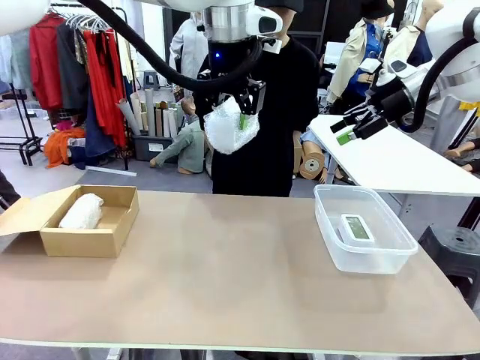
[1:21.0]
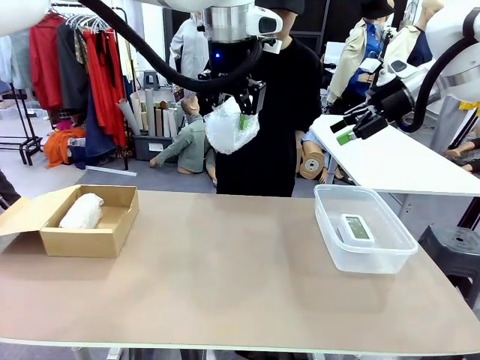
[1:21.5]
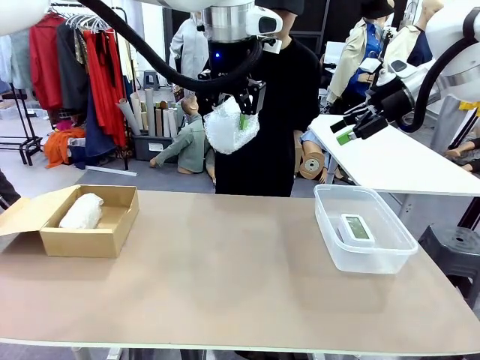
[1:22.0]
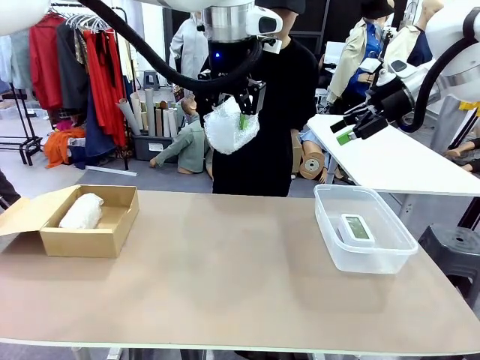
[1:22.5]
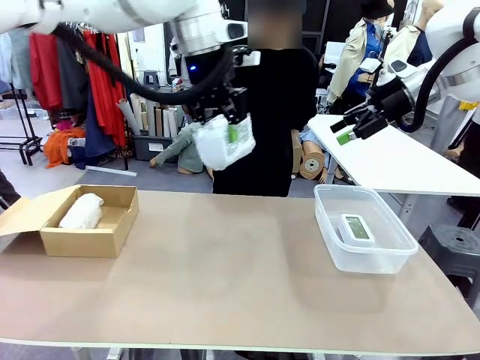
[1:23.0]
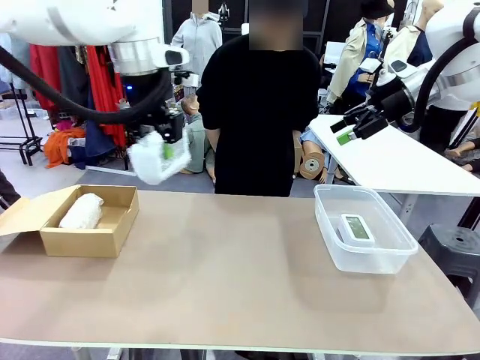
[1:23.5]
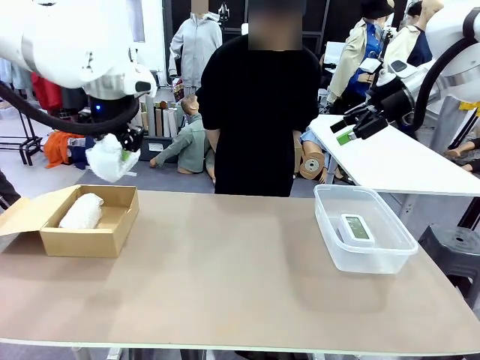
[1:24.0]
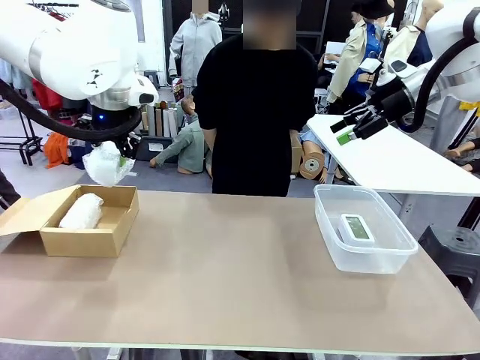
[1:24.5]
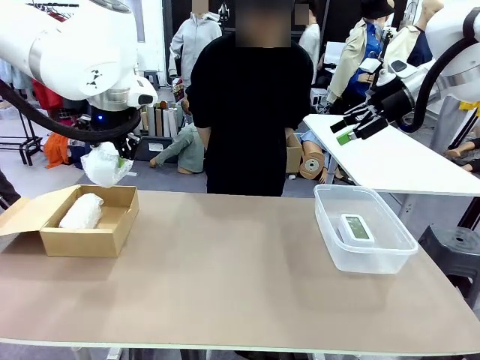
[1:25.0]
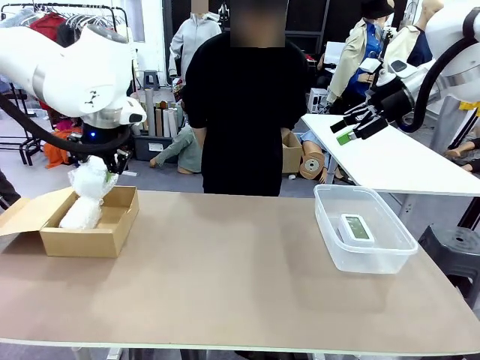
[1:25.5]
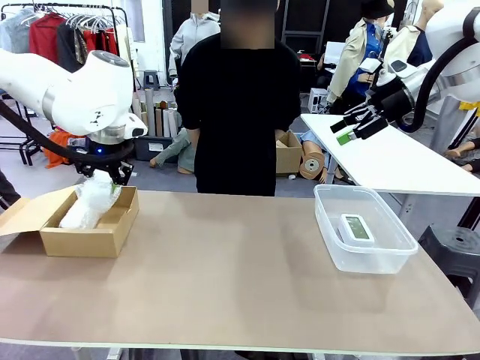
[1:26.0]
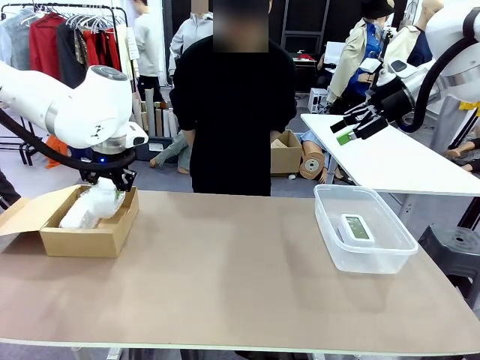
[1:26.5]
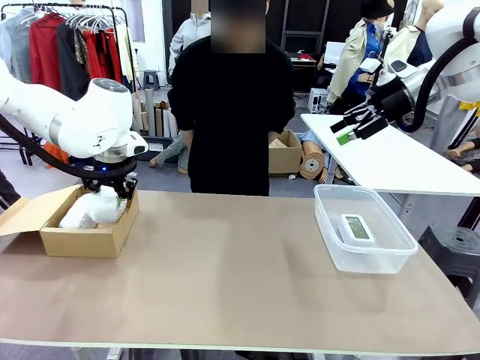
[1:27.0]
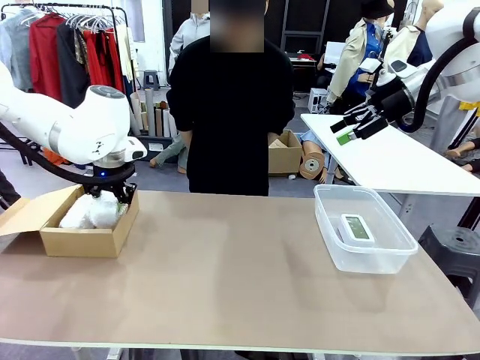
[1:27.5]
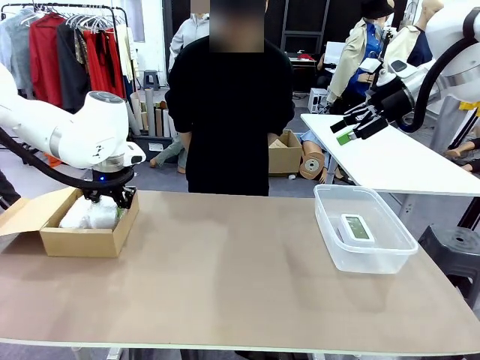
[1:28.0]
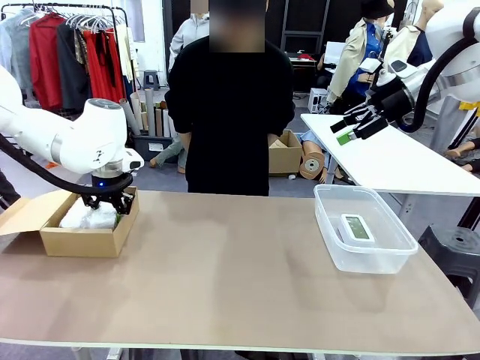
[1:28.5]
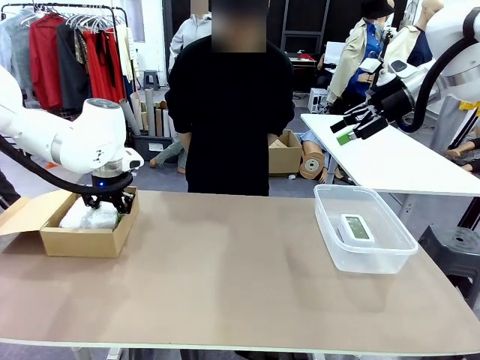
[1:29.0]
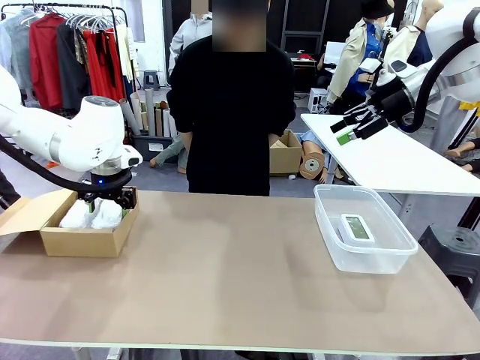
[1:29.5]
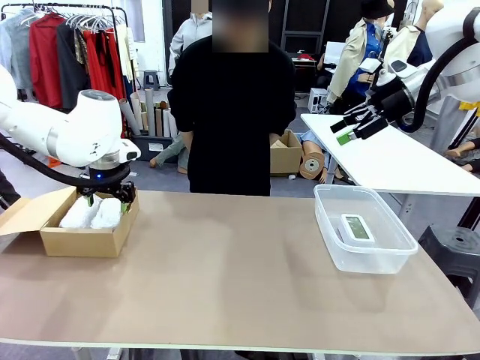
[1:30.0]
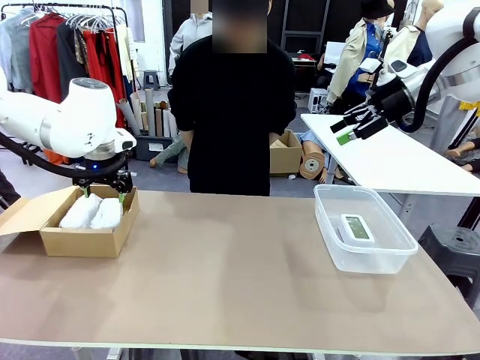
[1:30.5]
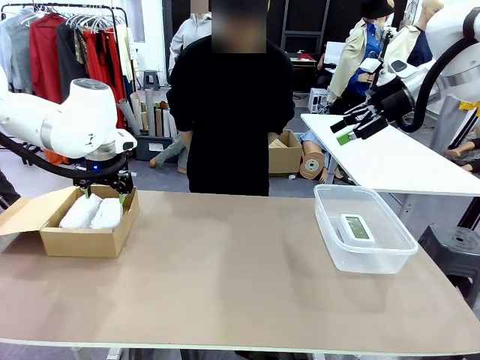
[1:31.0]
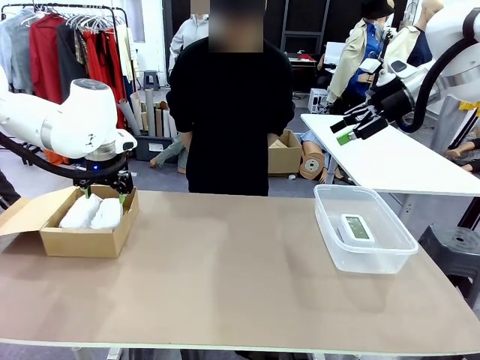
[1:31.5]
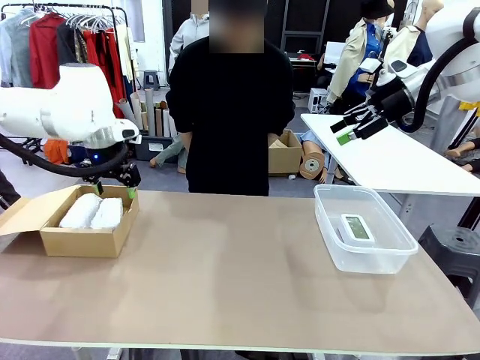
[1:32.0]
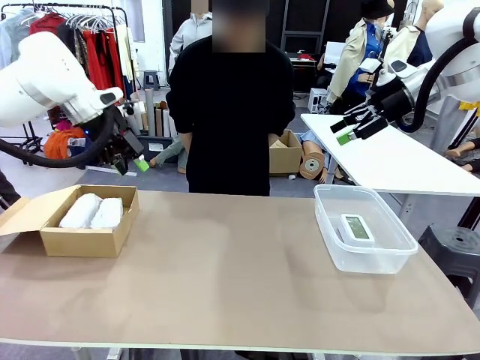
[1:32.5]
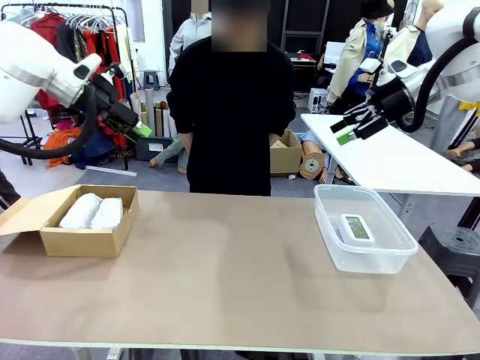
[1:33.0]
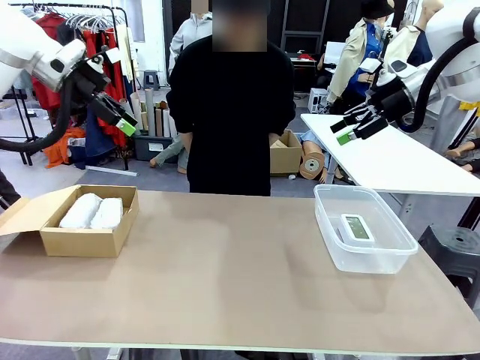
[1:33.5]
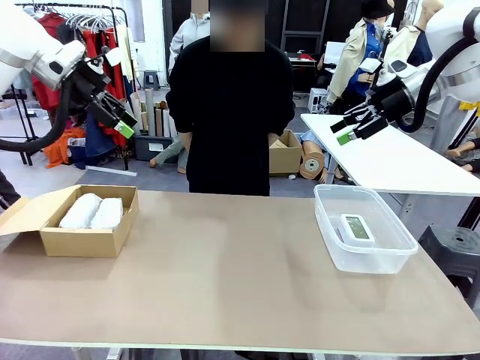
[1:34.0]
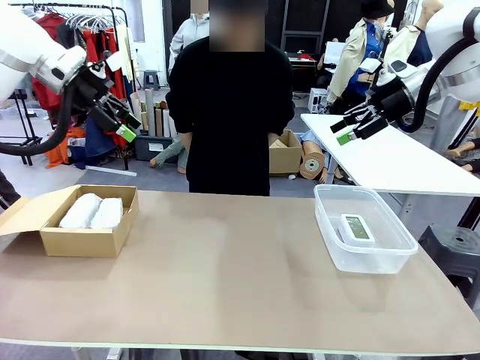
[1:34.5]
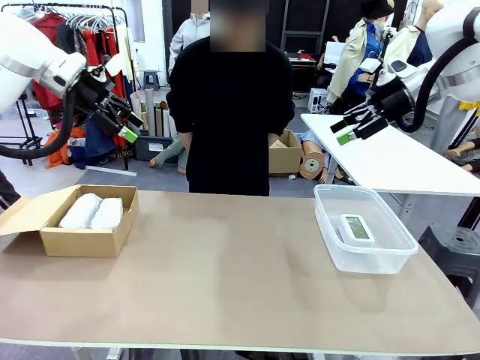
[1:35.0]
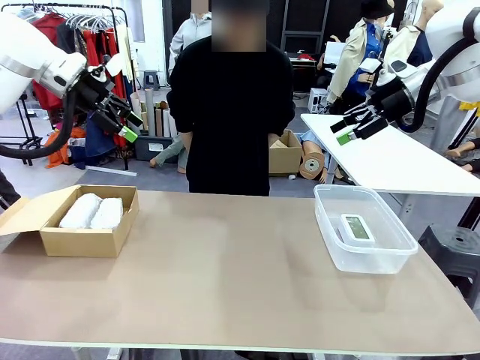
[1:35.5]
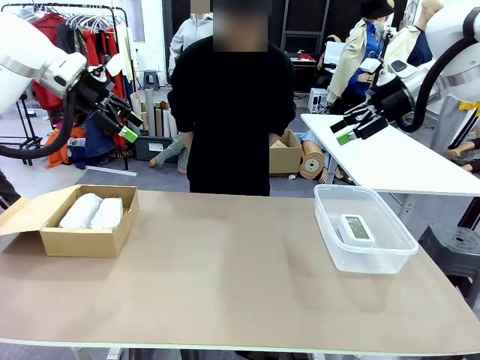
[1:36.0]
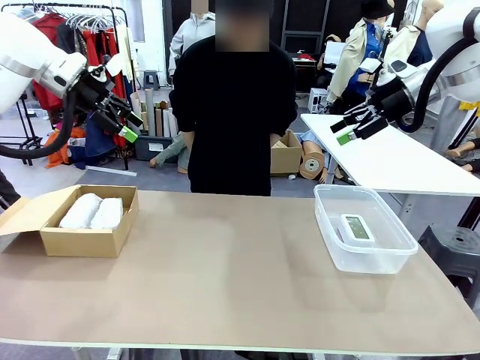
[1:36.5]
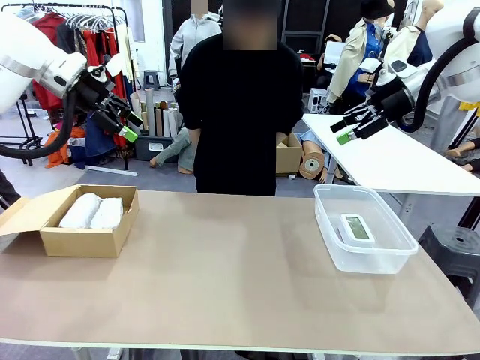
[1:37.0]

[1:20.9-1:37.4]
Task: Separate and place wrapped and unwrapped clocks.
Robot: If the picked Digital clock is wrapped, place it in the Package Box ; if not, place it in the Organizing box.

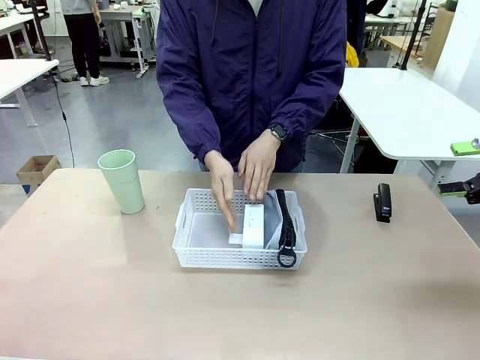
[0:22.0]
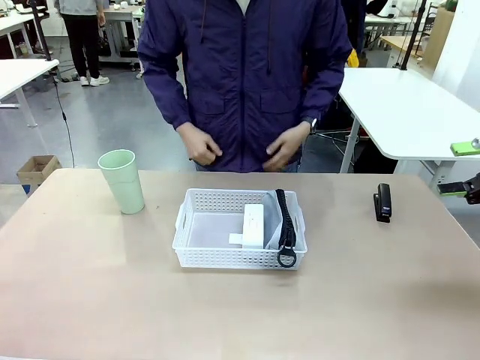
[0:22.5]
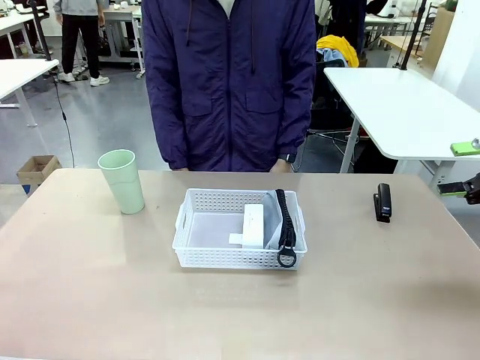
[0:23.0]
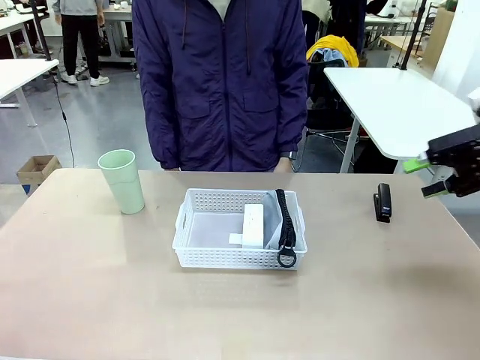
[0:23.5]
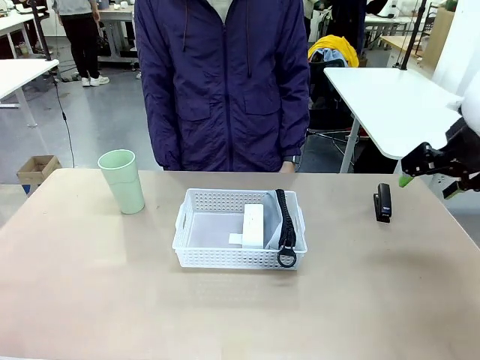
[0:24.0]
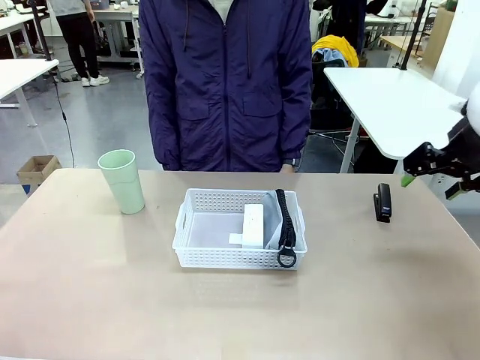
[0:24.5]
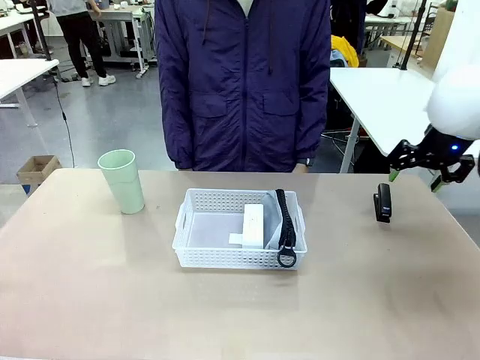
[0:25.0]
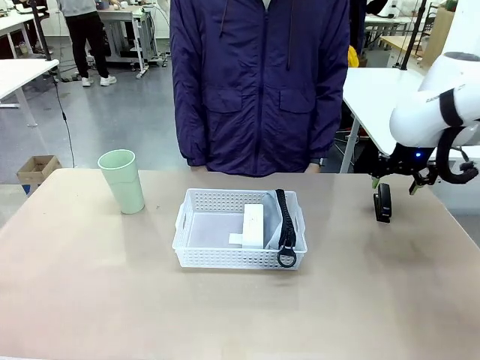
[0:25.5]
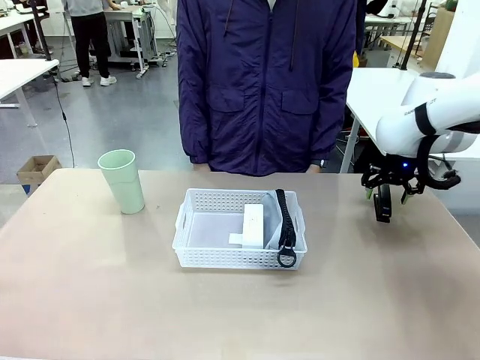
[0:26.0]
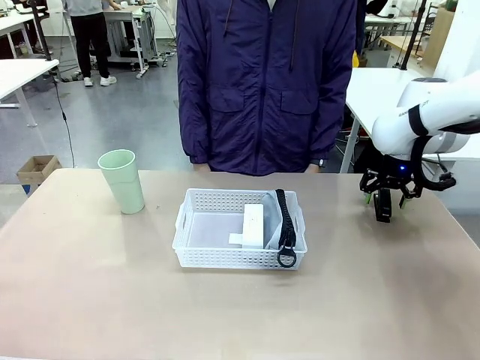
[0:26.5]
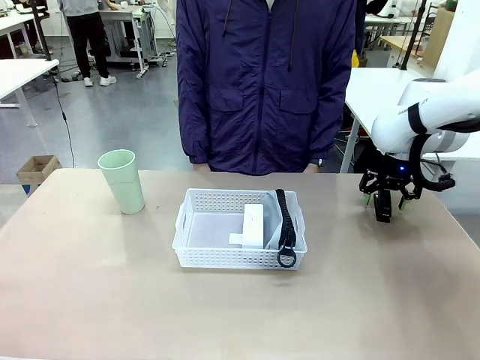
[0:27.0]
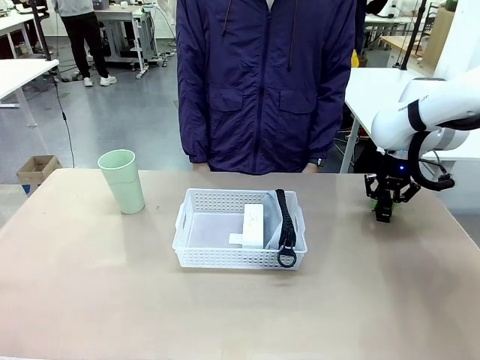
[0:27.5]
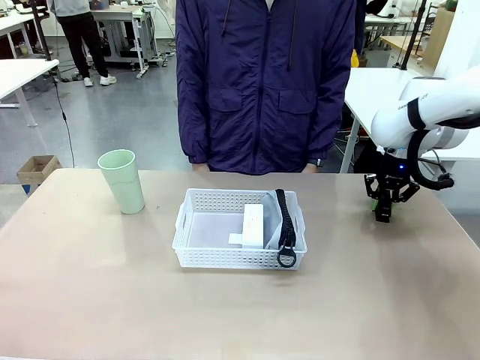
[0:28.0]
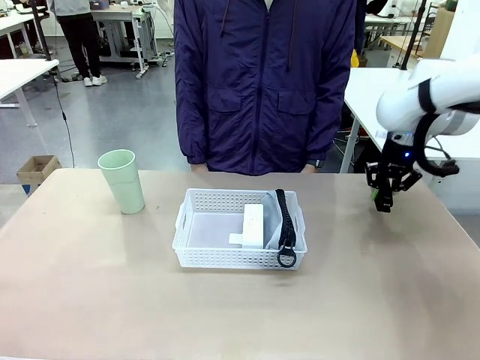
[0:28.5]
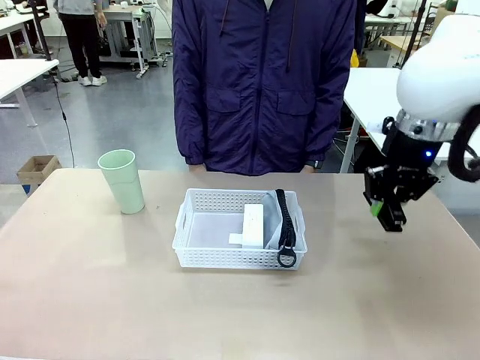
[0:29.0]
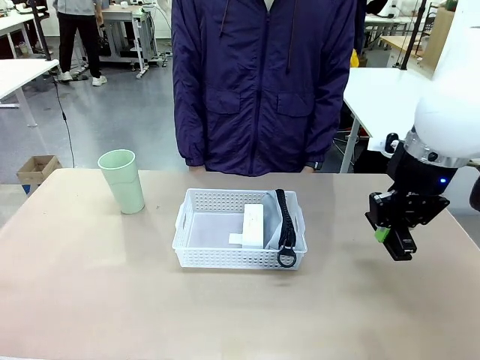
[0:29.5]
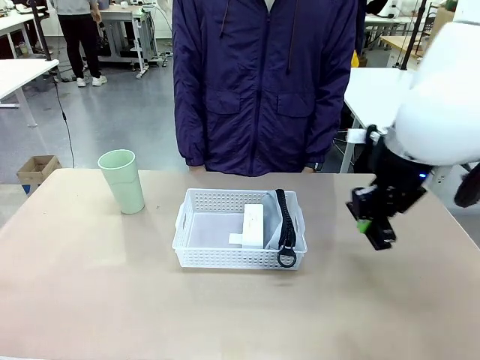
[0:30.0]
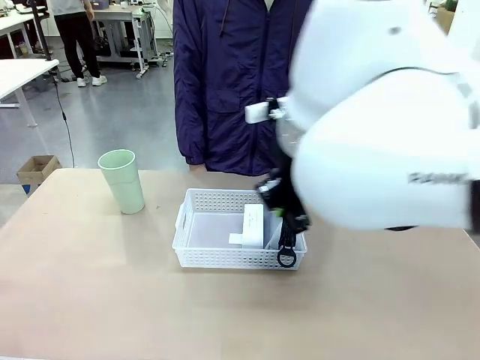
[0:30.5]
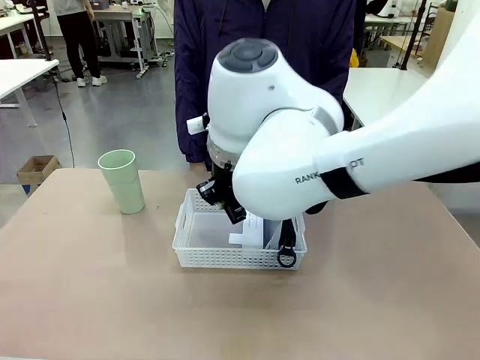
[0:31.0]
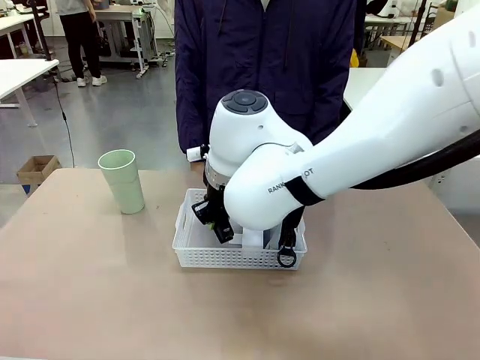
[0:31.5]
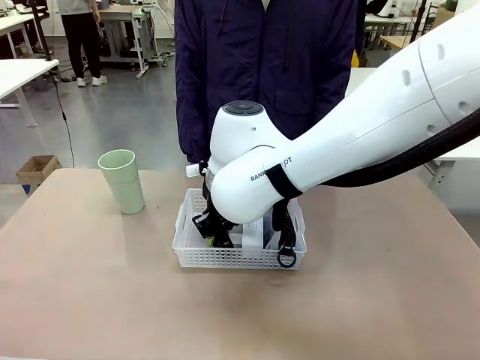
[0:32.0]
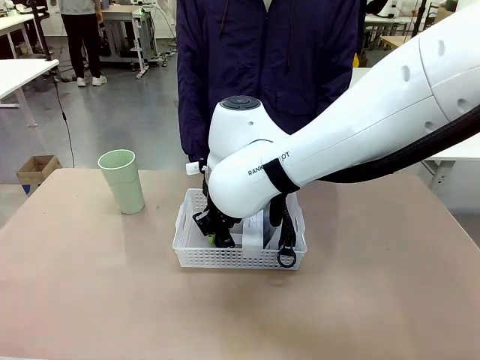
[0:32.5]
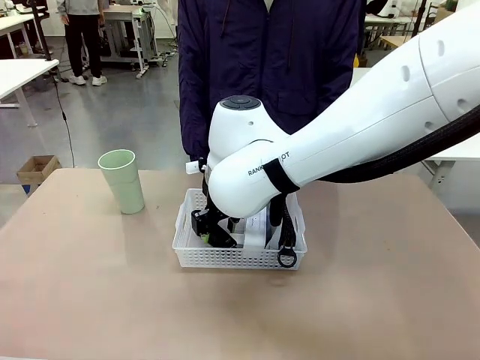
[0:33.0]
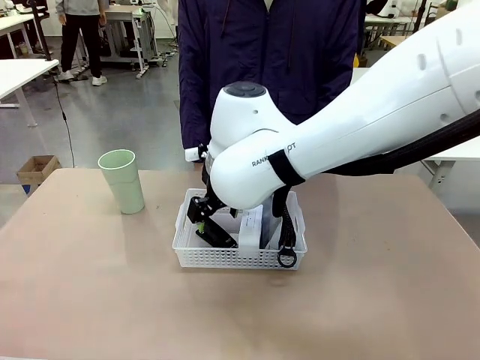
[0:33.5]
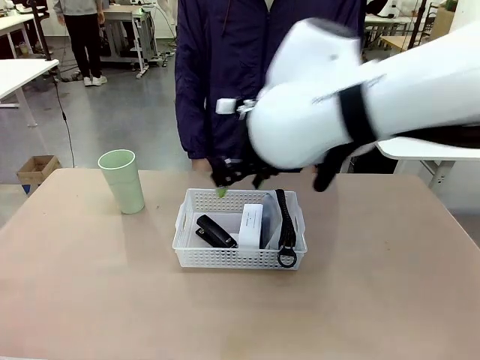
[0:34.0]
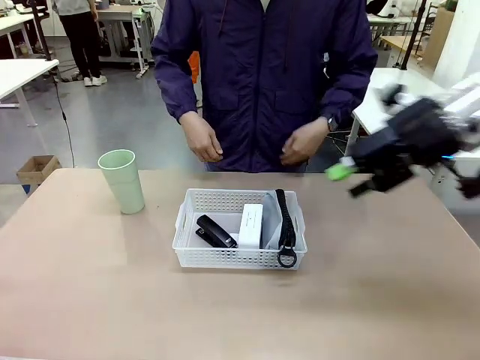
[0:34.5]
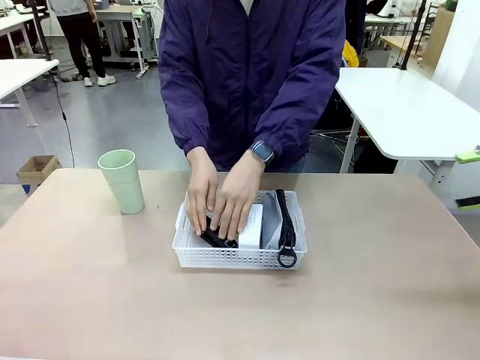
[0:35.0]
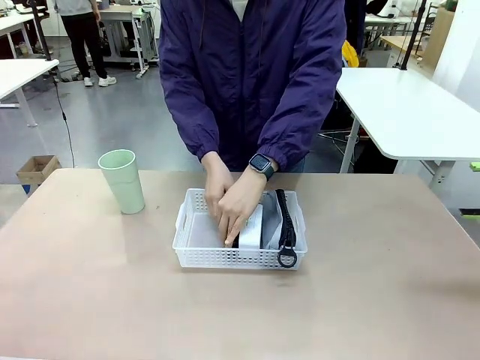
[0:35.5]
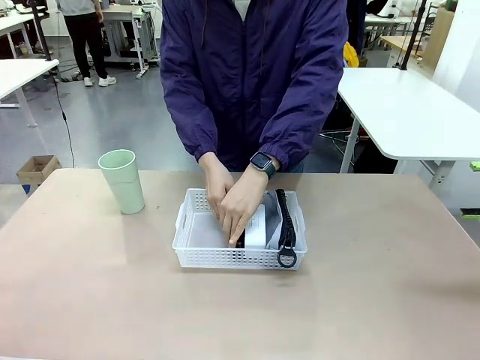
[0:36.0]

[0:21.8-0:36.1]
Task: Efficiently arrange items inside the basket to fit them all.
Robot: Pick up the Stapler and place it inside the Organizing basket.
